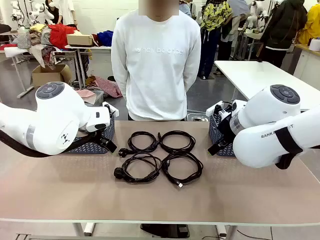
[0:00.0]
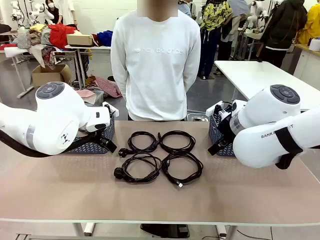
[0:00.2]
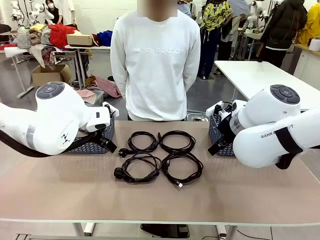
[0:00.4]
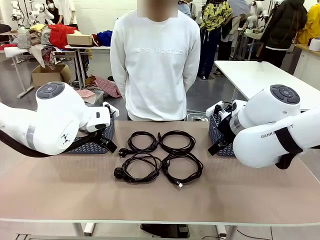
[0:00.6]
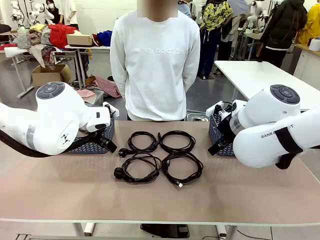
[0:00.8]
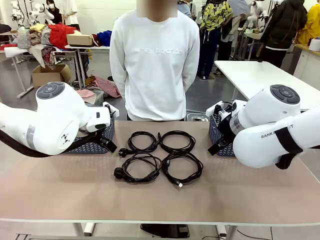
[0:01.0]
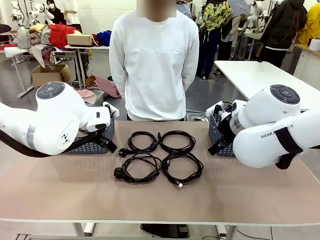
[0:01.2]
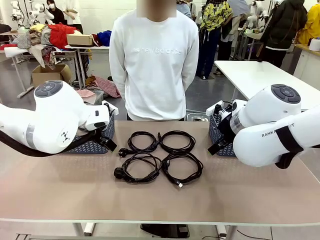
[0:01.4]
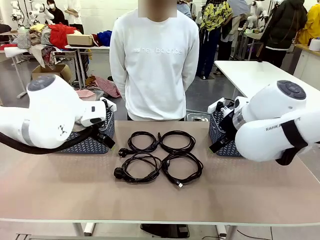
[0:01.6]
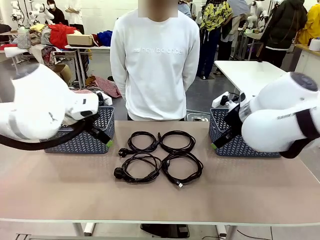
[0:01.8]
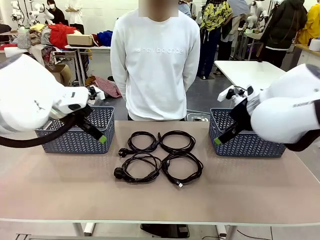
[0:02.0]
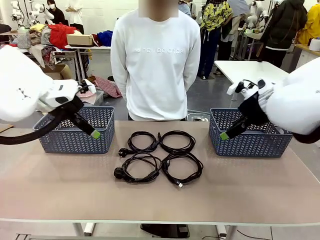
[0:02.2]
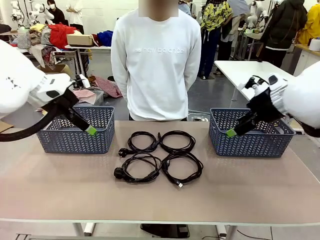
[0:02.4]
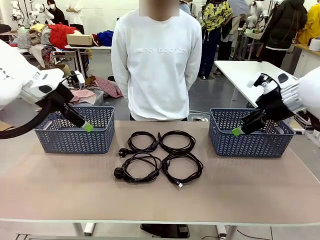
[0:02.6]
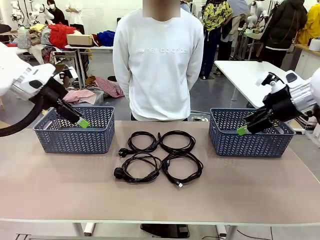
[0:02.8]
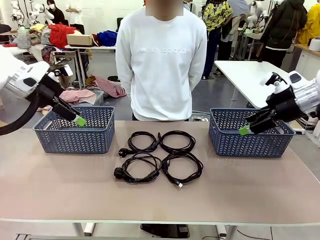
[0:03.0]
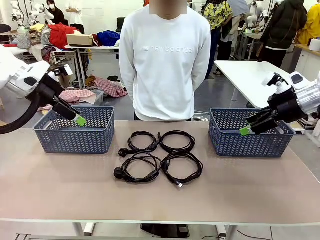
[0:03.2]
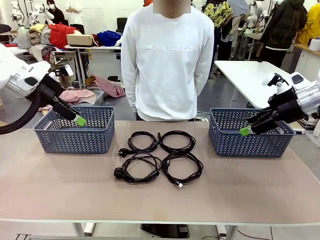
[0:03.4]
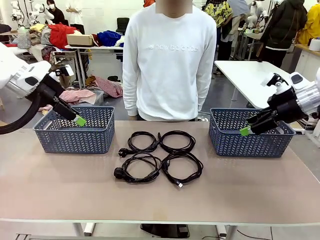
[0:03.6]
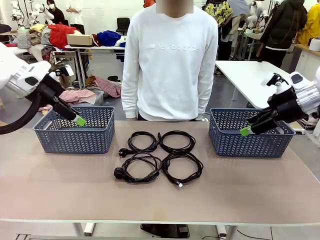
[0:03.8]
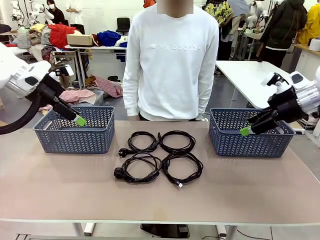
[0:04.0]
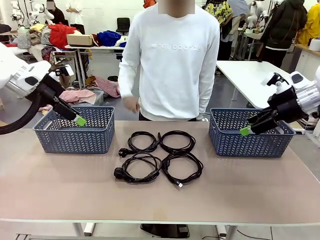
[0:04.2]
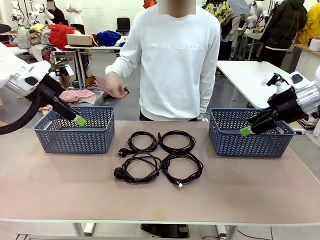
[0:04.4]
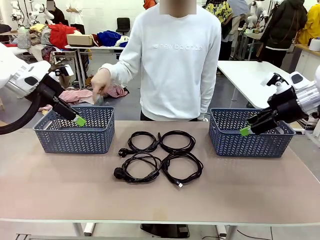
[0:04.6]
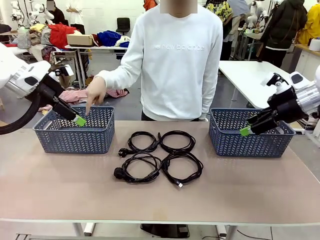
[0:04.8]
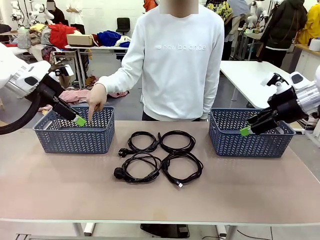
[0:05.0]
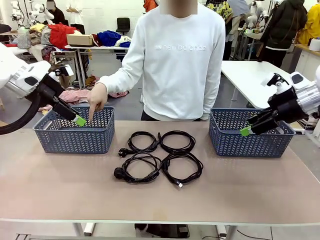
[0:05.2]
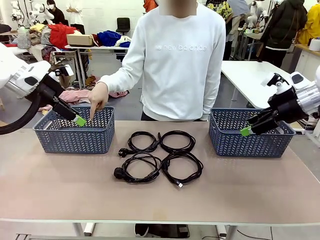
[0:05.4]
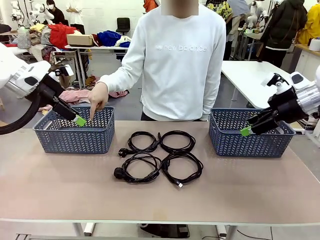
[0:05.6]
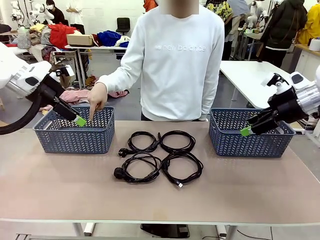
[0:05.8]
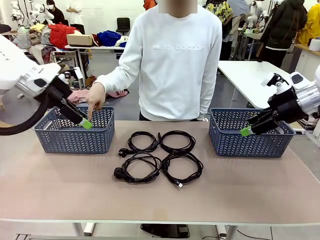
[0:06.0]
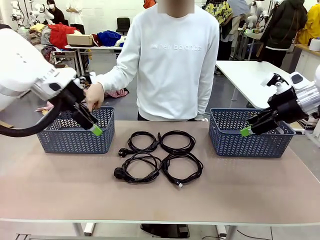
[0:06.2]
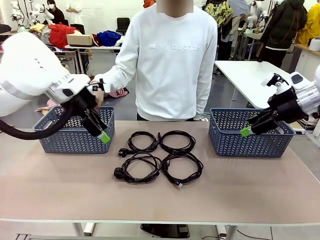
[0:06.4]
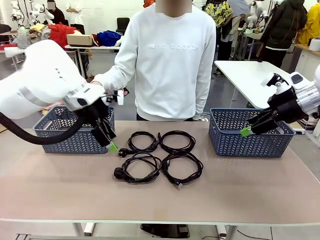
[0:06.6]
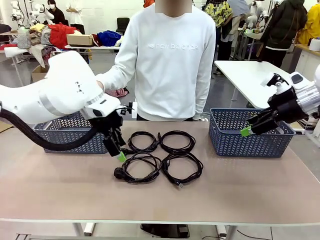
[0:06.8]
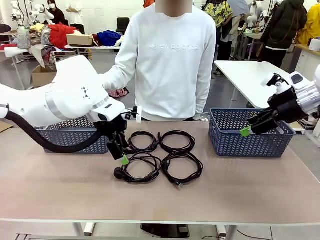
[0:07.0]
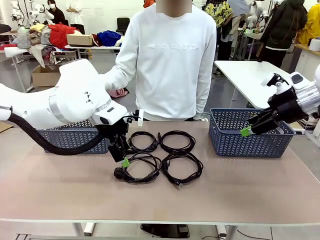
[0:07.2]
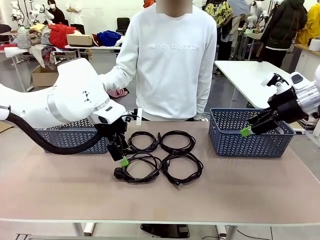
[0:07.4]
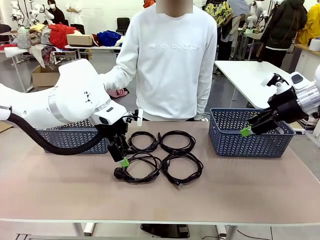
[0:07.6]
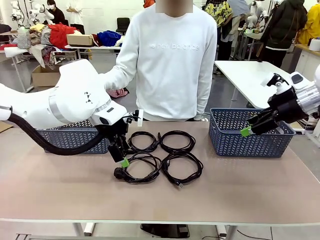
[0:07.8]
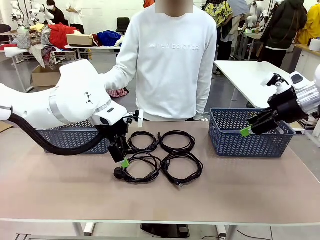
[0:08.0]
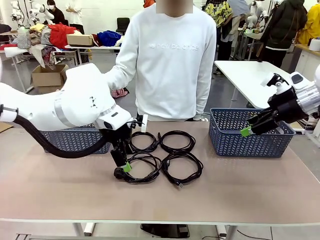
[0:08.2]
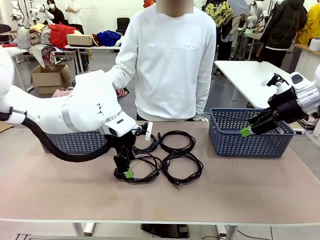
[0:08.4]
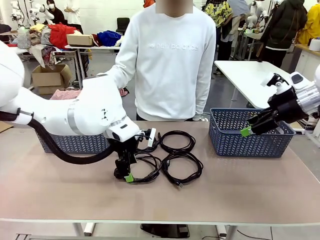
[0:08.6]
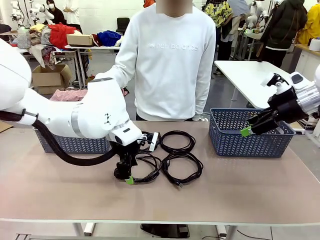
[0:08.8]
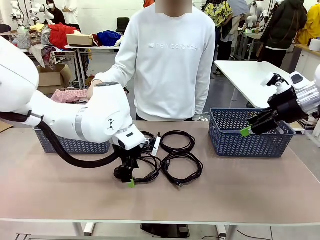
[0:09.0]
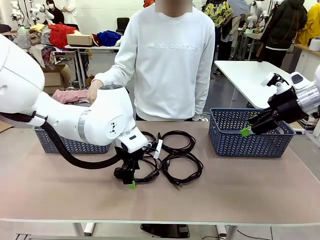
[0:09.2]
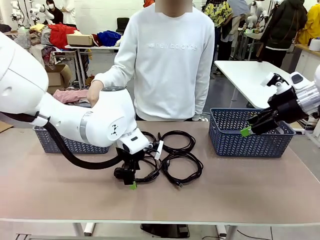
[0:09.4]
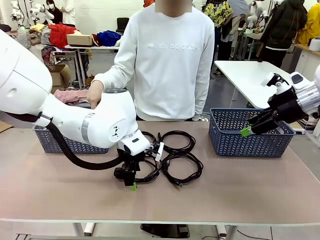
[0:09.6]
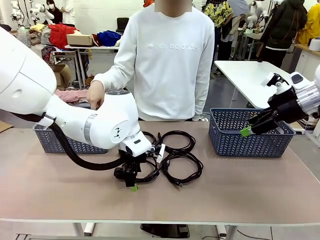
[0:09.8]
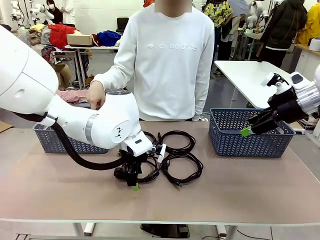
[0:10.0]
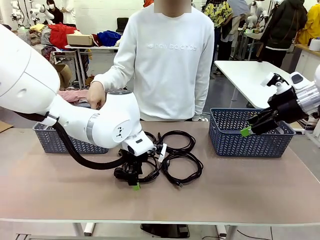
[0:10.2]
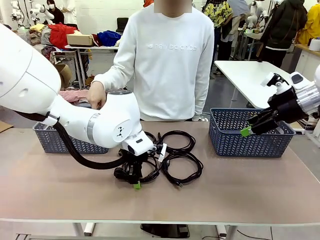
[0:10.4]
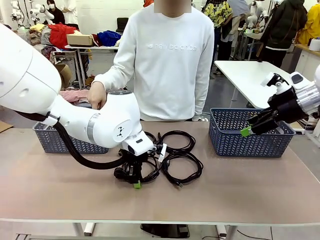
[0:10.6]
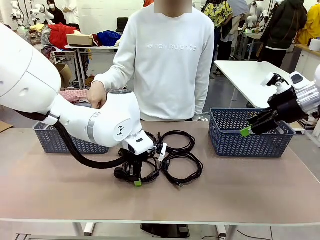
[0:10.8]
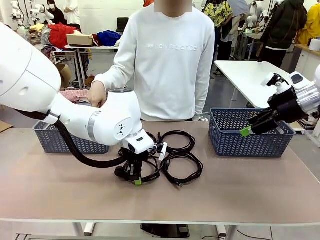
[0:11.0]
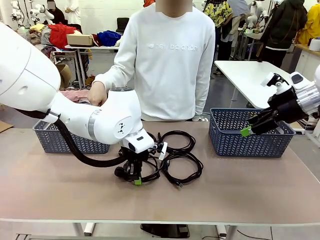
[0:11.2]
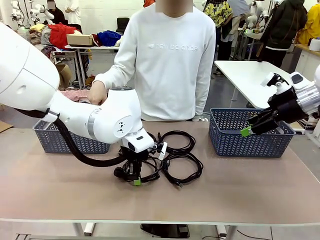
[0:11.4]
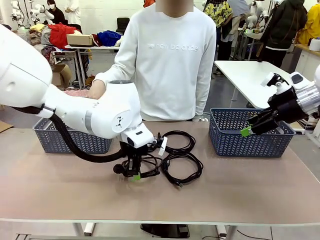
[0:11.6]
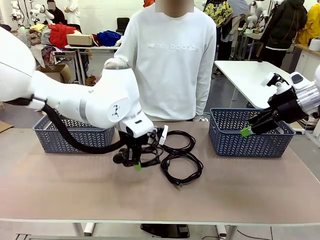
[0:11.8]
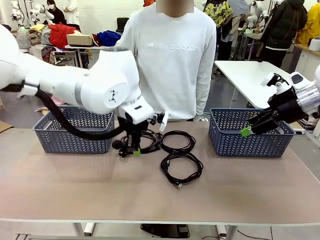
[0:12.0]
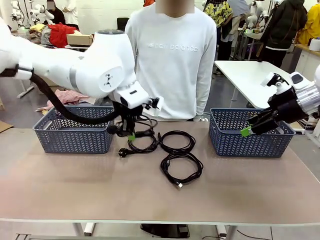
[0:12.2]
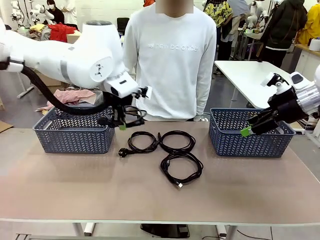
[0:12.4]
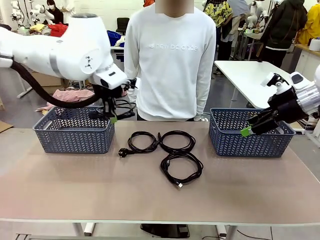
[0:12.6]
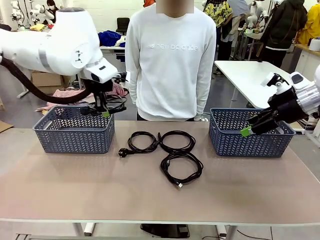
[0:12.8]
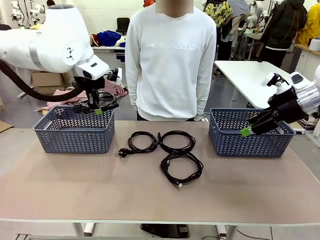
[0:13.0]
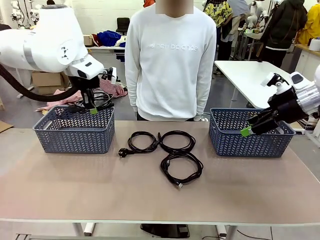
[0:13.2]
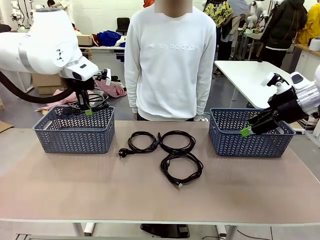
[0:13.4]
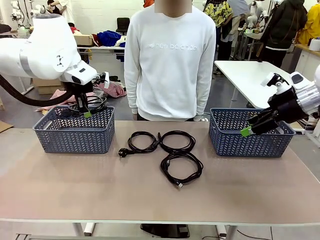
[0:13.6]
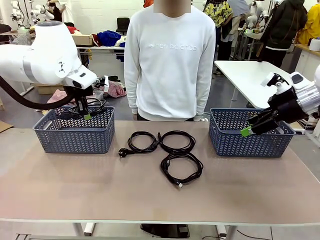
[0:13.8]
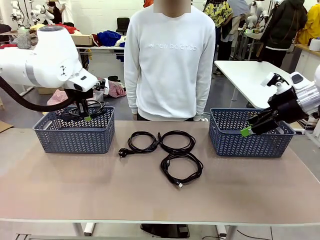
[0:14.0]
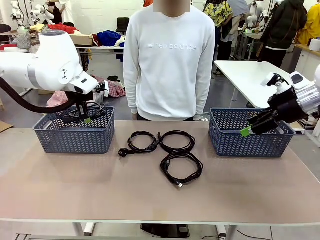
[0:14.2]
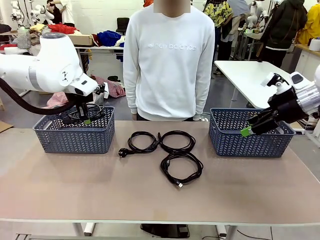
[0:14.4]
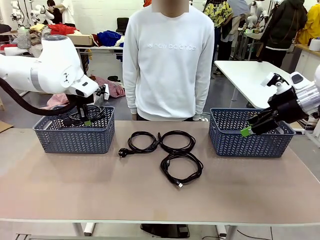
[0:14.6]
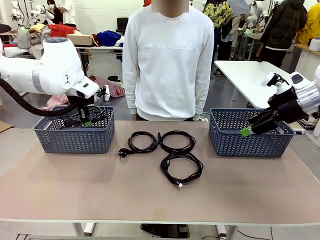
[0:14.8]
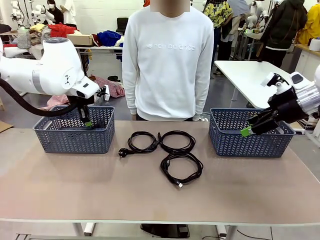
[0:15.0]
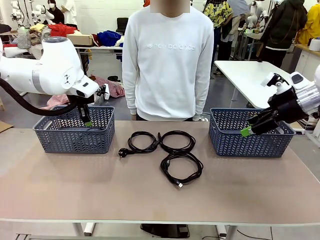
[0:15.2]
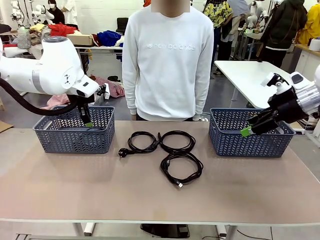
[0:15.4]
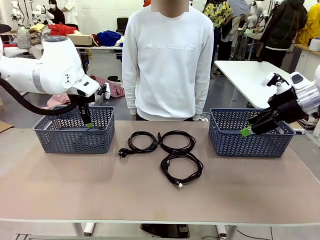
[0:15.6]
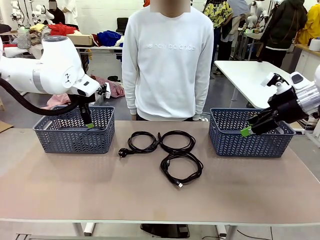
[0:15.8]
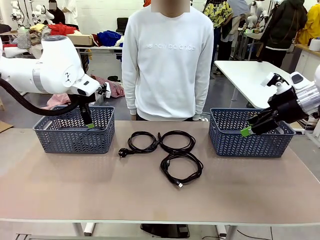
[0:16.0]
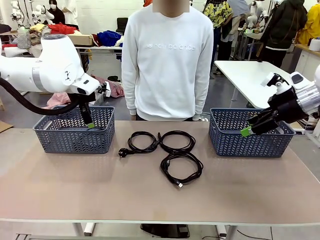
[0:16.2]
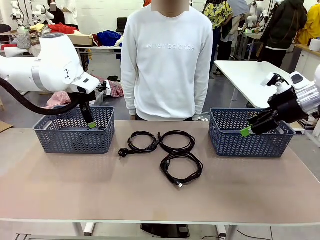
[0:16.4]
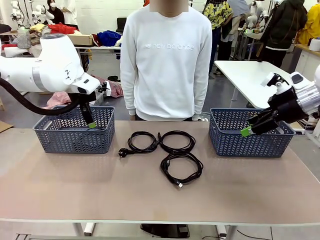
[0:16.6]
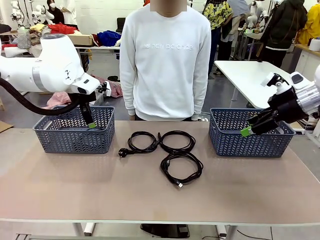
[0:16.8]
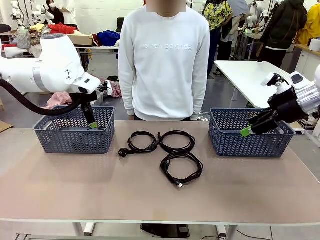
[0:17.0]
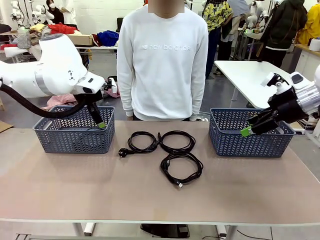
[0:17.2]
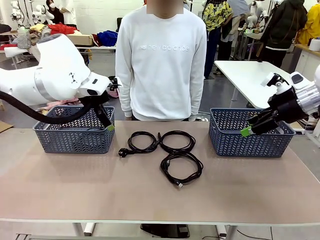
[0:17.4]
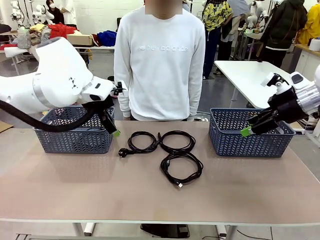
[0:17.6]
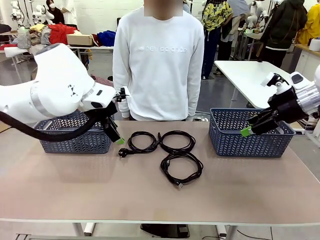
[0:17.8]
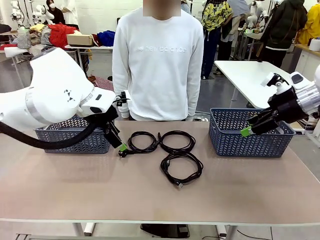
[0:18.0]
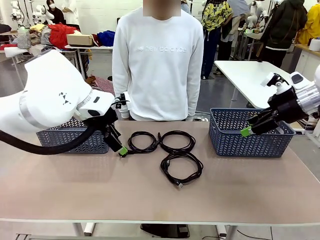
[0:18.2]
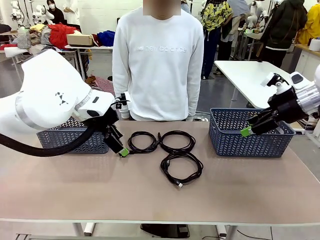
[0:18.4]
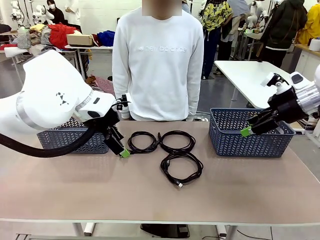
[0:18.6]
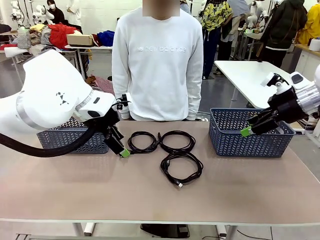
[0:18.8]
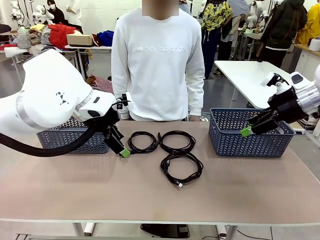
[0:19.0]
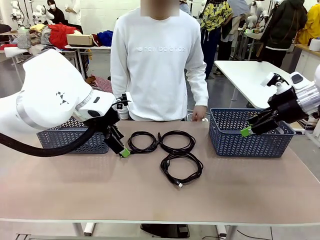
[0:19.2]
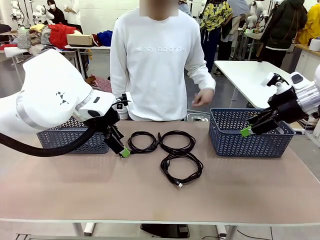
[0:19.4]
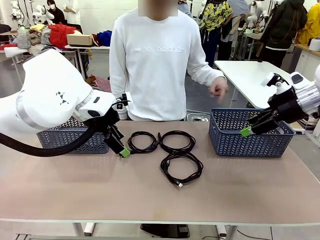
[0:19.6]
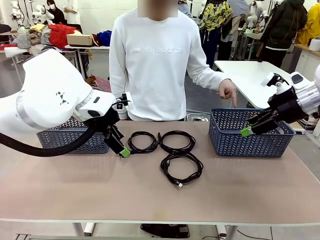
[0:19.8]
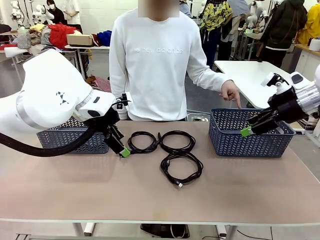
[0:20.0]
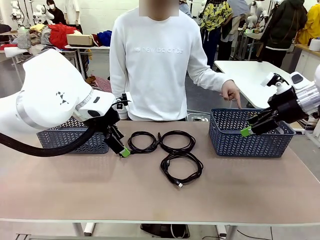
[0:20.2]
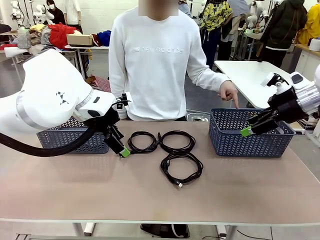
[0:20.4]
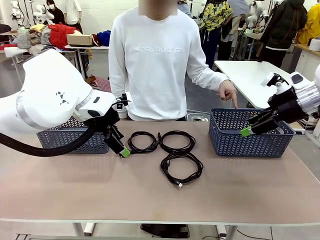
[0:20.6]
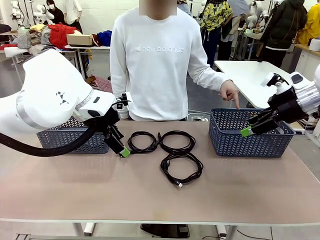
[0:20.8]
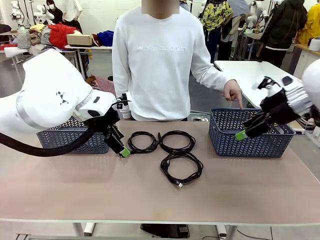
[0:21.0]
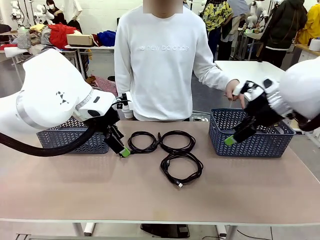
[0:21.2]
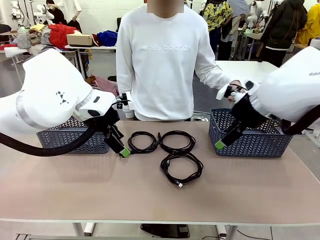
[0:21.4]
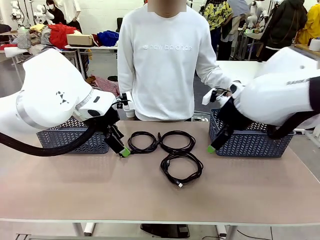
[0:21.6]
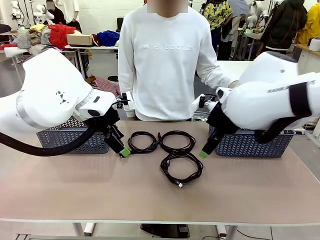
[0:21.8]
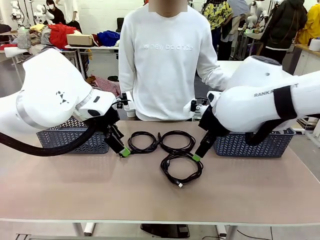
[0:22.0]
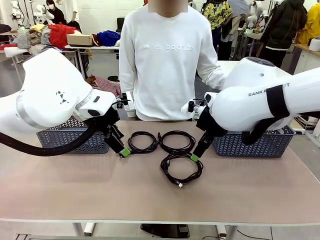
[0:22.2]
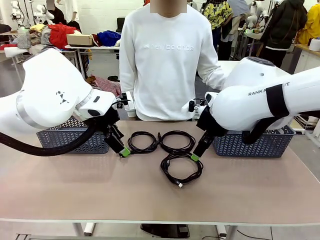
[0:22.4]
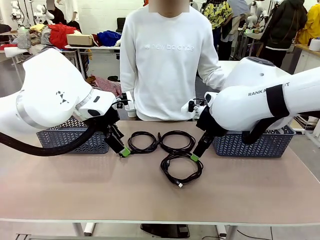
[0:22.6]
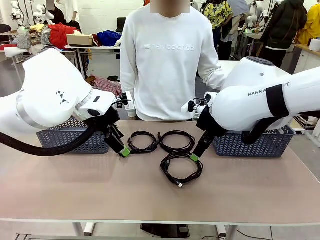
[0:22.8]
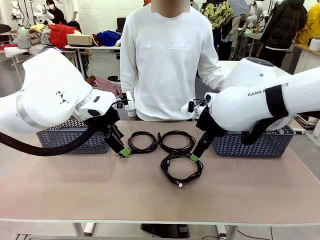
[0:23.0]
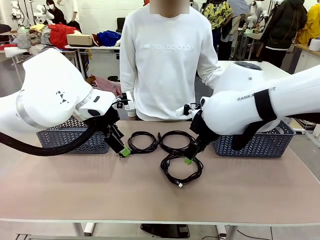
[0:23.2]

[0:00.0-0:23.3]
Task: Organize the cables according to human instructions.
Robot: Pick up a bundle of cables and place it in the basket indicated by the human.
